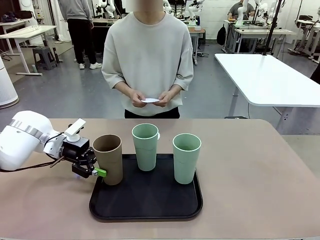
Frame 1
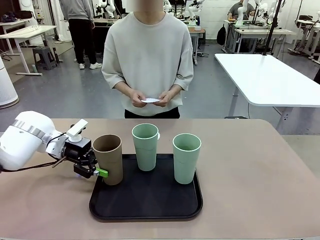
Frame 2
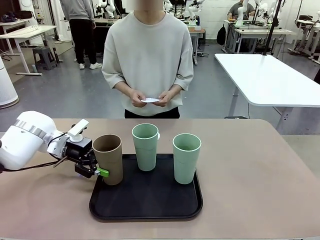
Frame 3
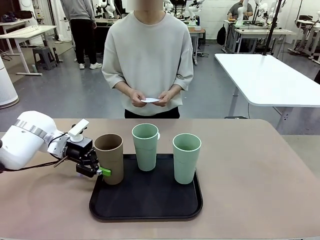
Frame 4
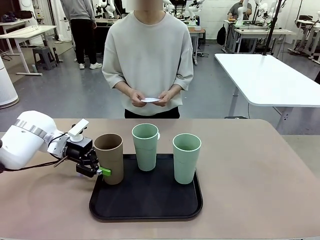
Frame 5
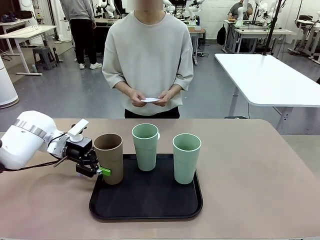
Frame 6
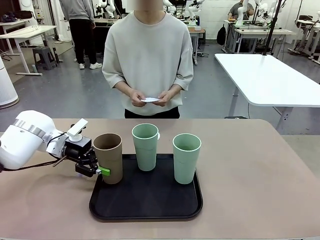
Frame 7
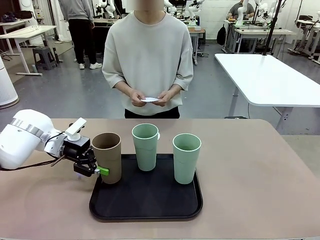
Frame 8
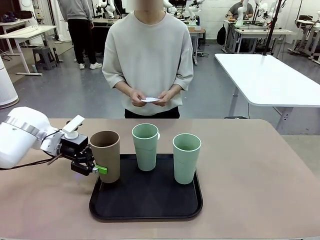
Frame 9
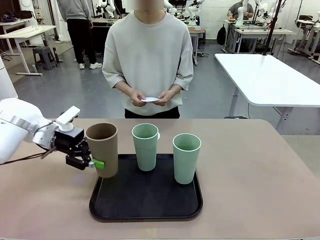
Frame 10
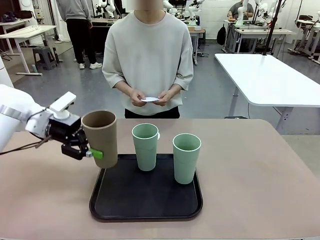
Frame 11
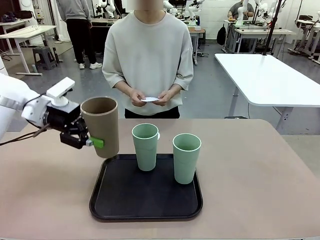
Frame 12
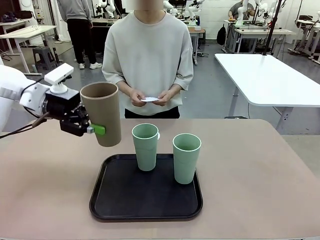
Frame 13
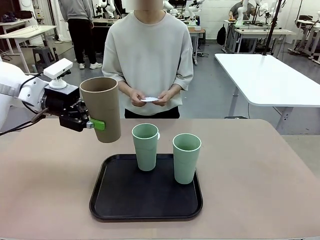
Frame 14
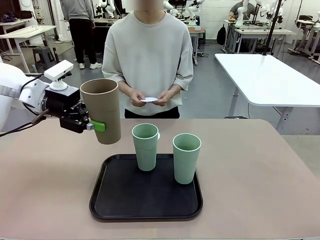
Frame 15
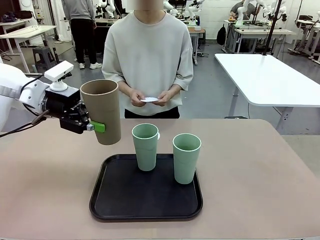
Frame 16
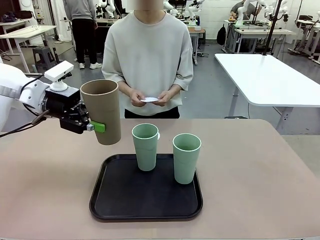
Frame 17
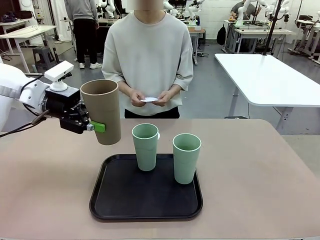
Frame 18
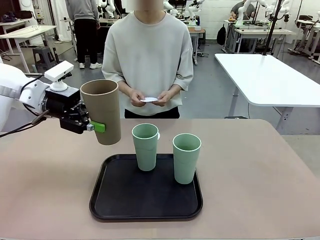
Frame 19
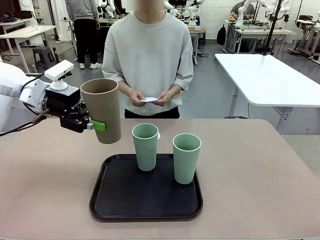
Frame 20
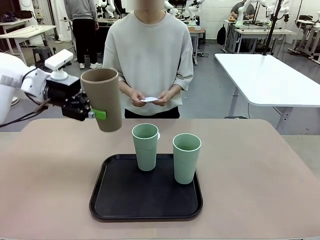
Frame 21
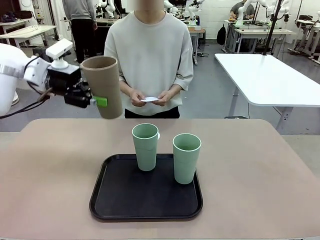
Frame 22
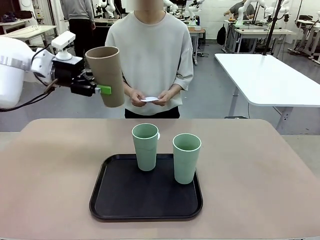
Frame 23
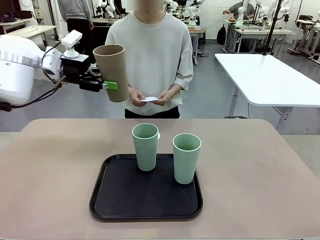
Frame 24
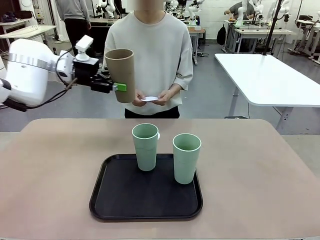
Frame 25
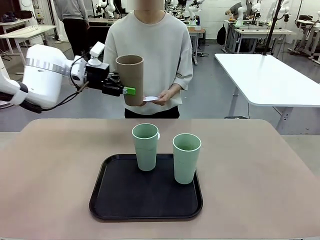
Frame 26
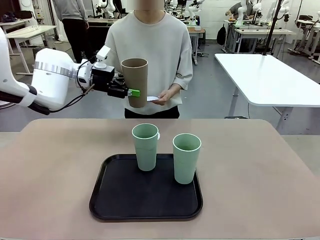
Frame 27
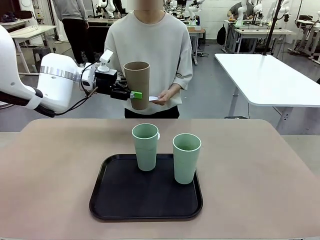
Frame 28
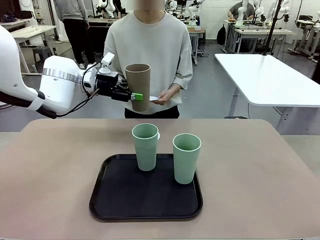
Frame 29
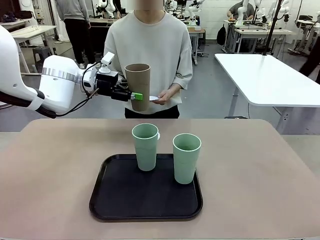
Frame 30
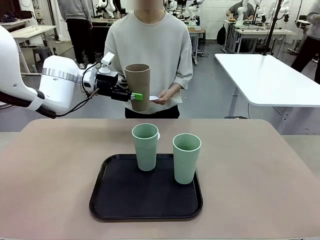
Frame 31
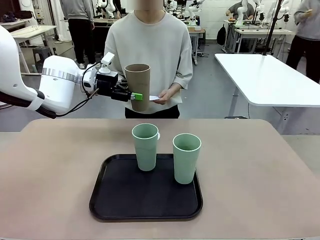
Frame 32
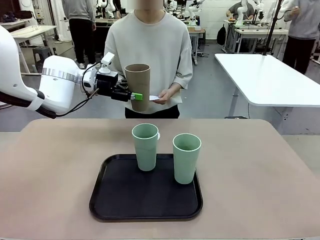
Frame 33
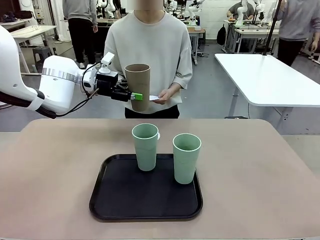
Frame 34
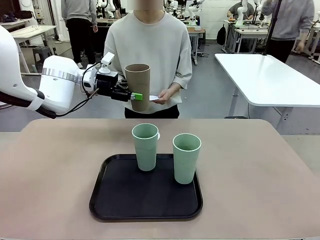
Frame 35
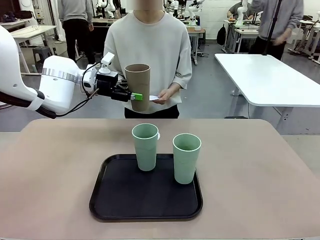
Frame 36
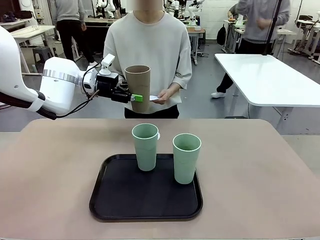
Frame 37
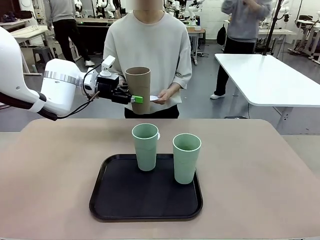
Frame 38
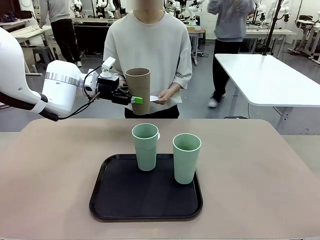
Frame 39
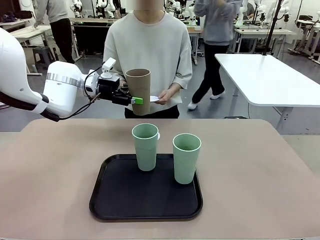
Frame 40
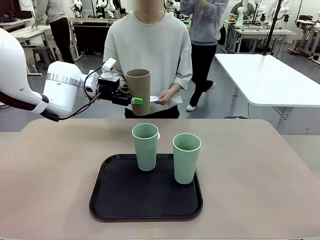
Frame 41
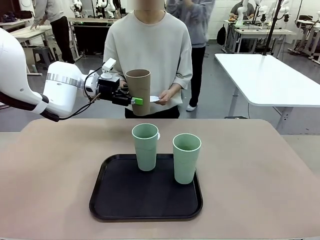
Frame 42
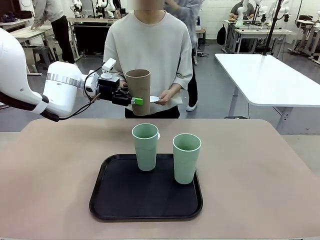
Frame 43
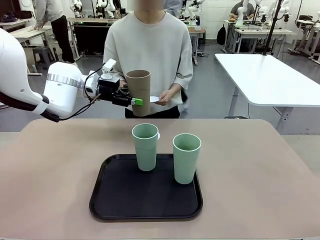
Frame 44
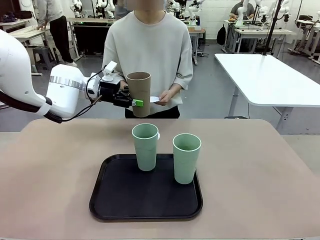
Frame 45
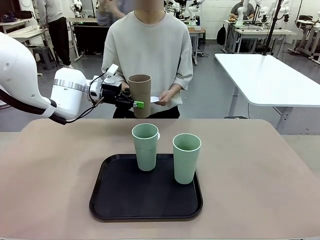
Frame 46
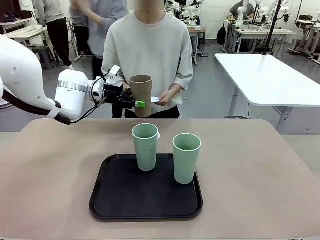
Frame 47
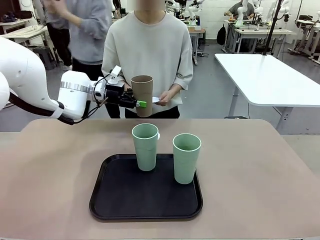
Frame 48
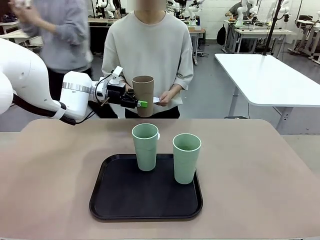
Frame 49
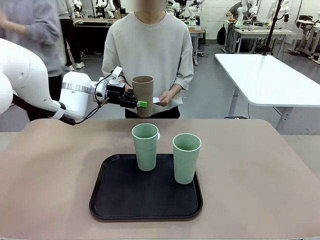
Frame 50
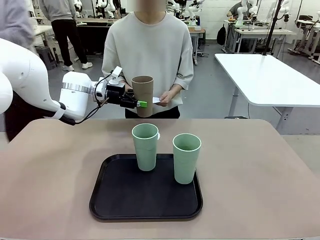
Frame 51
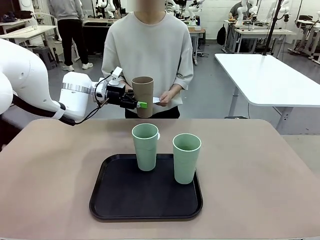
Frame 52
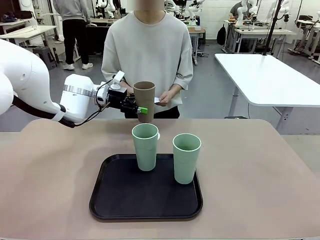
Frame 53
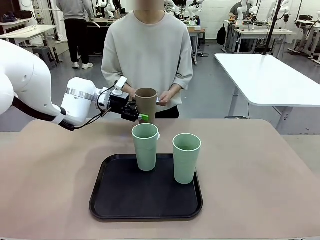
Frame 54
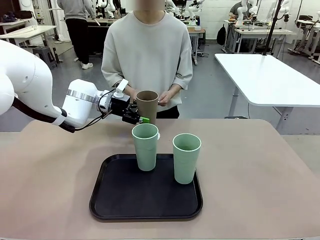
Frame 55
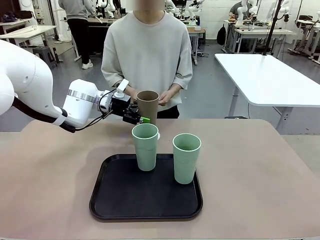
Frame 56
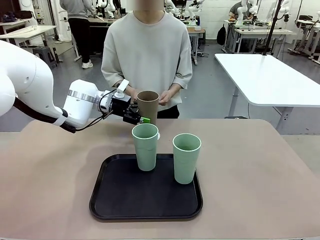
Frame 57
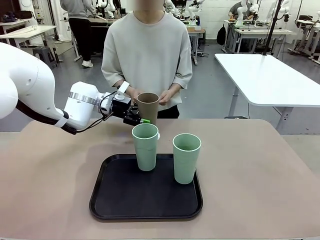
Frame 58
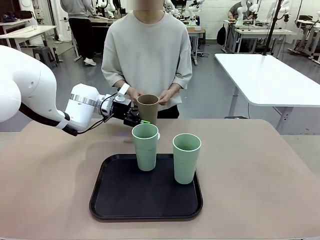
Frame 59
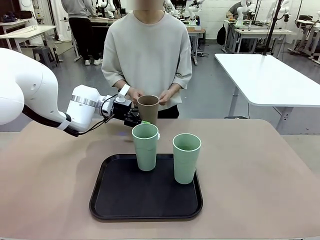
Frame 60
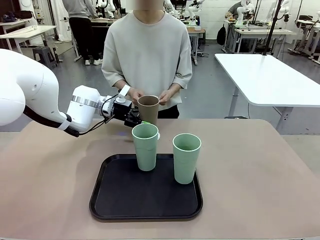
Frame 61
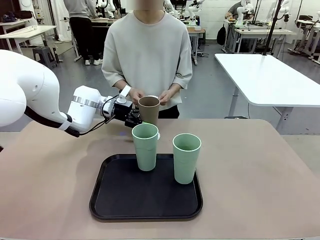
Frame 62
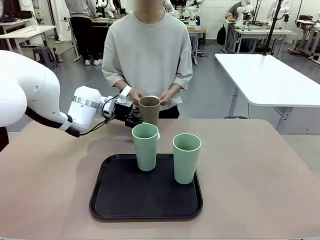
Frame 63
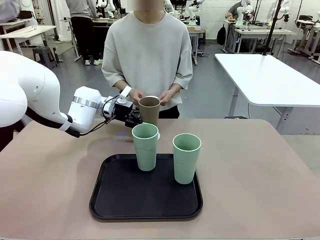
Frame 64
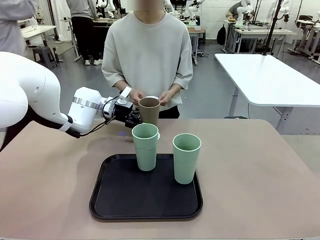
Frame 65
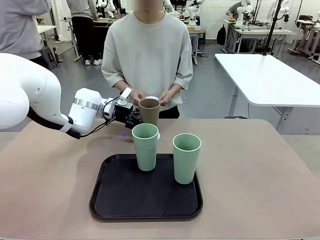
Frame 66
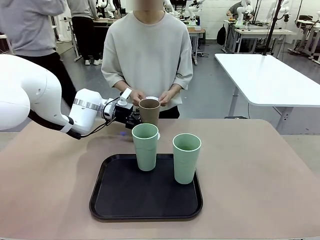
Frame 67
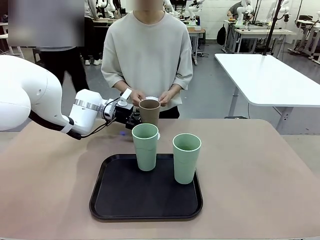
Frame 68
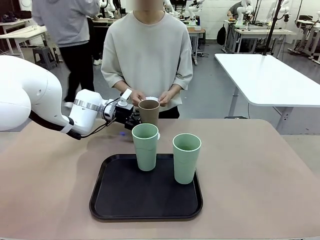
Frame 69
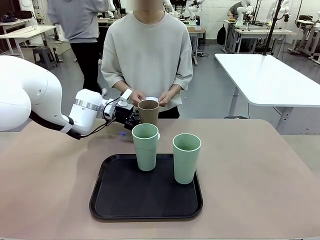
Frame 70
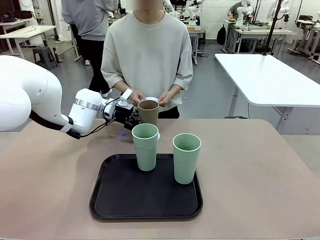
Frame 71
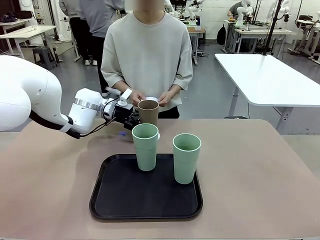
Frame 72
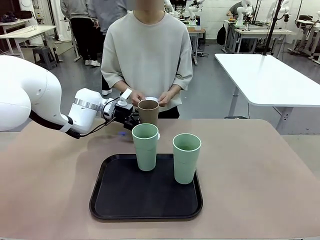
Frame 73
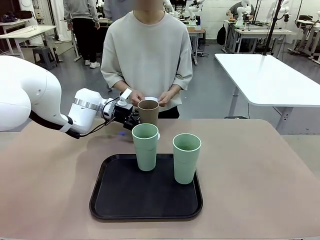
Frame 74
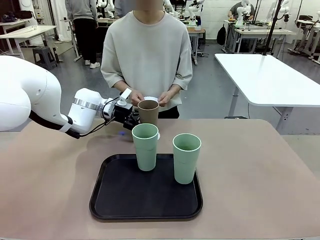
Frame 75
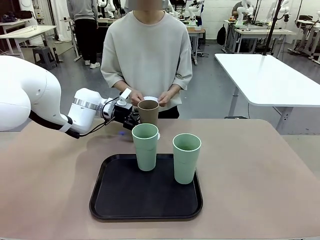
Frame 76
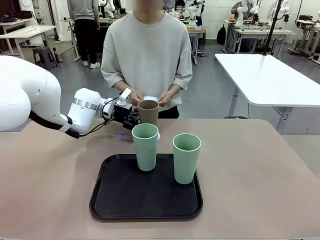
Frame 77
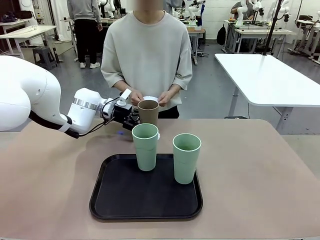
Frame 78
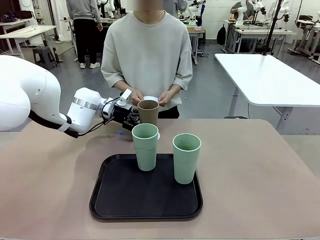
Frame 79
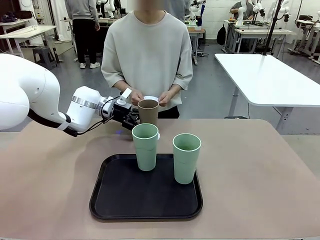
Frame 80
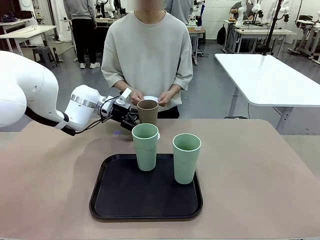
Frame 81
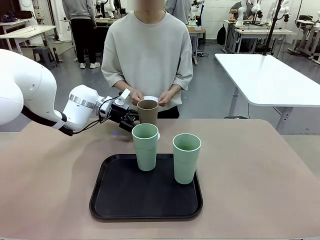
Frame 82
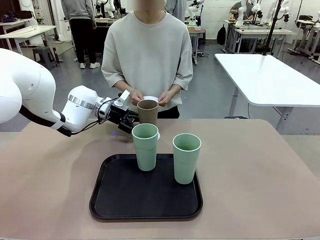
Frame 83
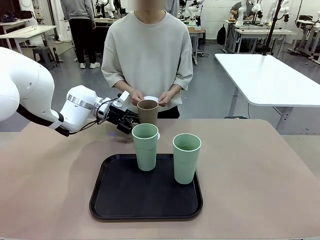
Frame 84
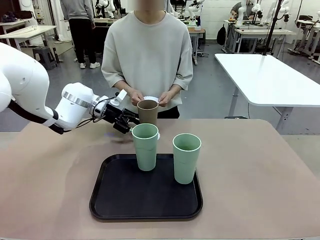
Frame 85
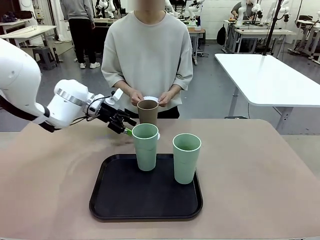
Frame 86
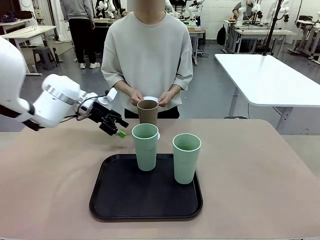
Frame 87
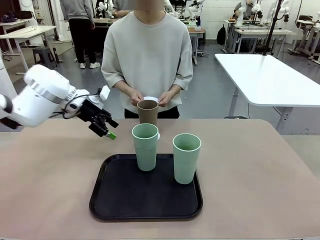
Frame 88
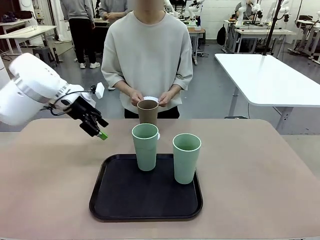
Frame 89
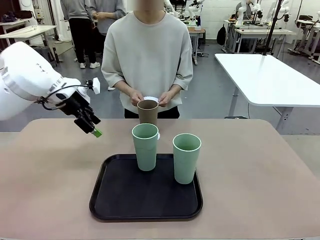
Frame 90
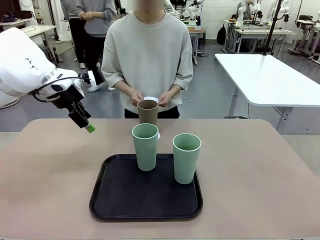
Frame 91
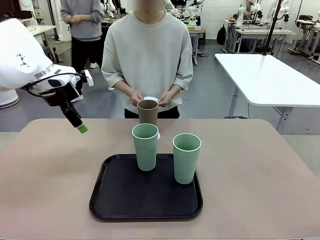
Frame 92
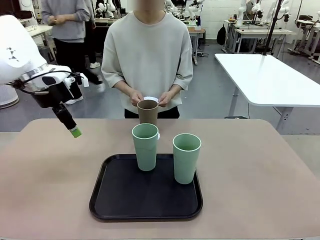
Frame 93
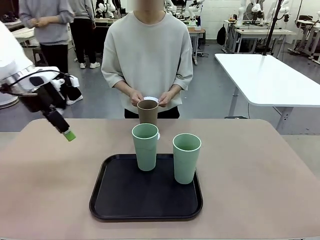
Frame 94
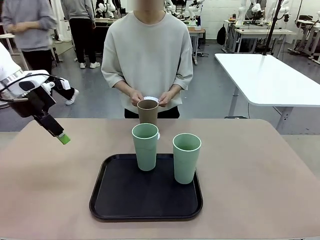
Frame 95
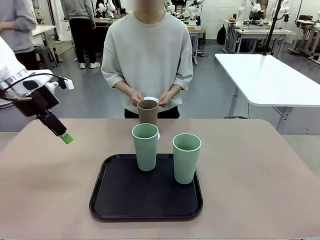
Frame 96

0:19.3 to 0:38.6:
Task: Place coasters on the table and set cups on them.
Robot: Pick up one Reusable plastic cup and place it on a coaster set by the human.
Person: Place one coaster in one of the two areas excluding the previously selected area.
